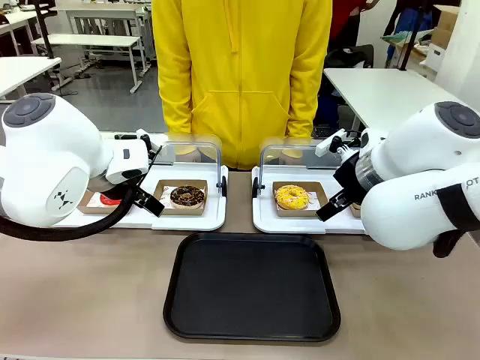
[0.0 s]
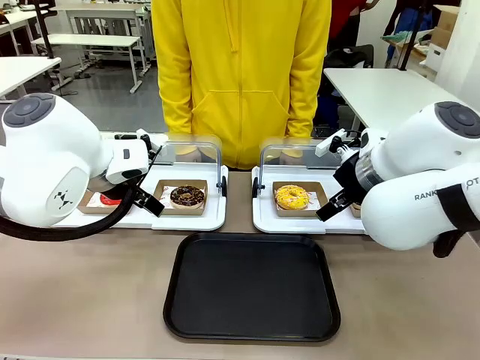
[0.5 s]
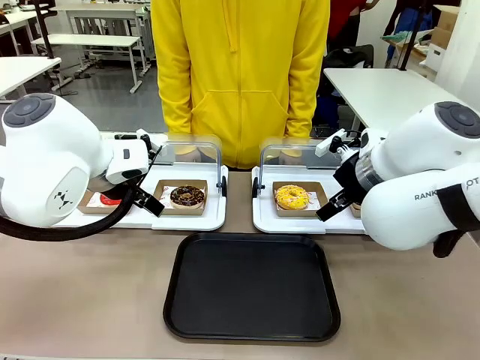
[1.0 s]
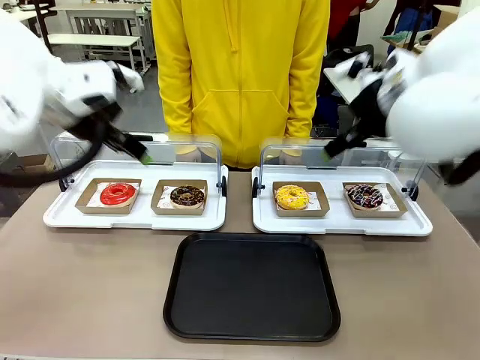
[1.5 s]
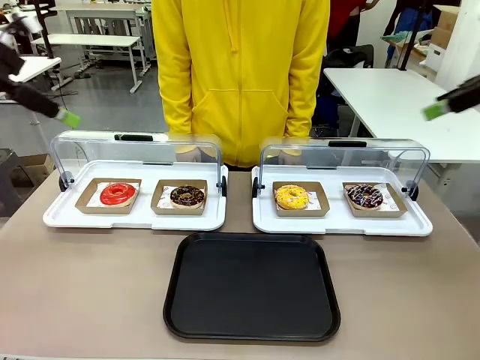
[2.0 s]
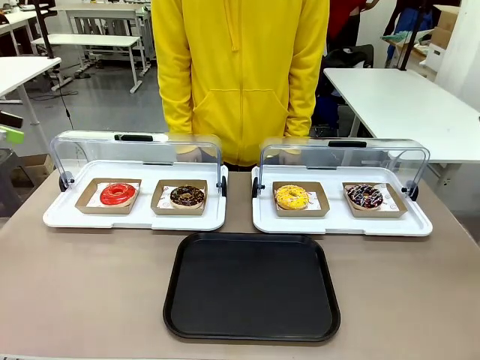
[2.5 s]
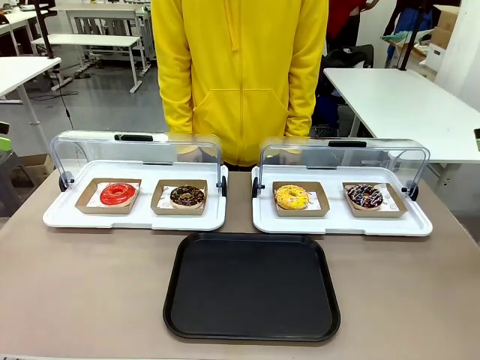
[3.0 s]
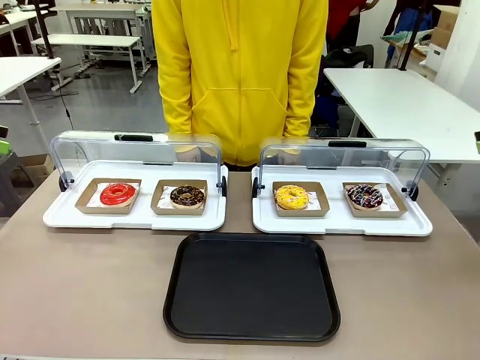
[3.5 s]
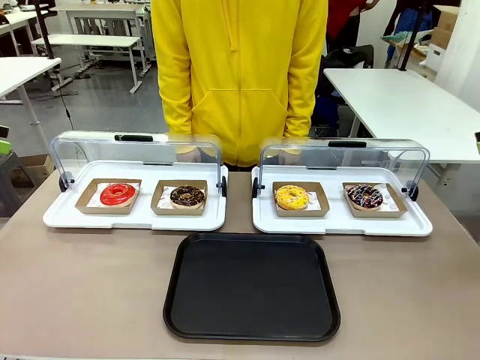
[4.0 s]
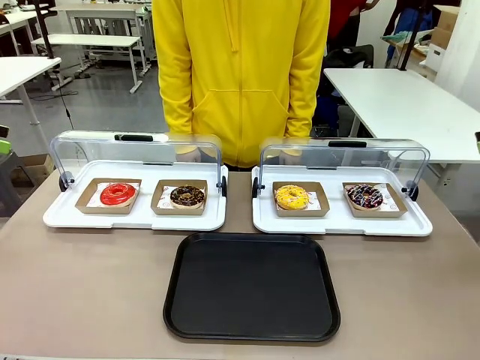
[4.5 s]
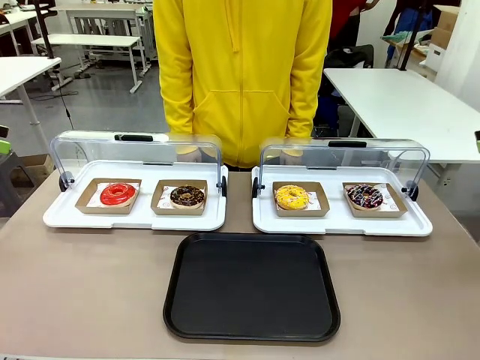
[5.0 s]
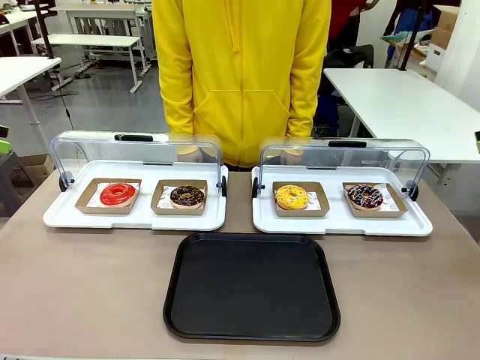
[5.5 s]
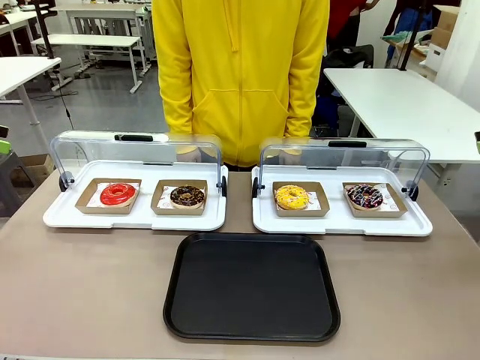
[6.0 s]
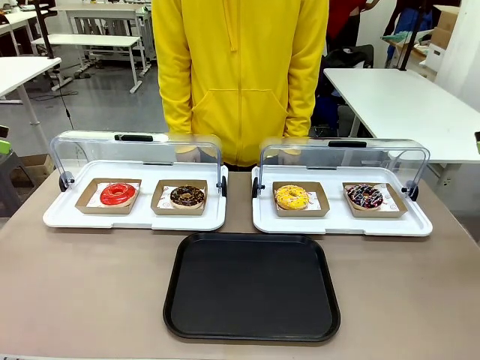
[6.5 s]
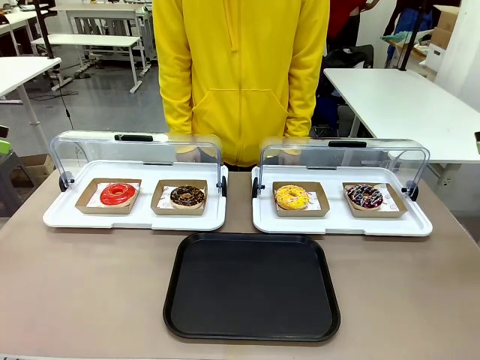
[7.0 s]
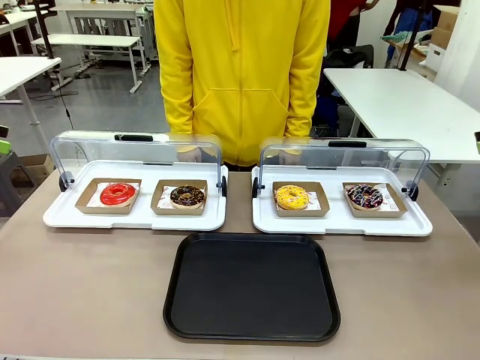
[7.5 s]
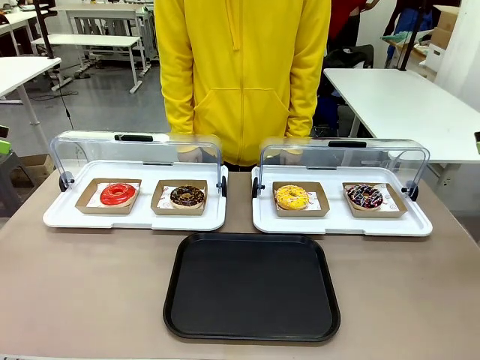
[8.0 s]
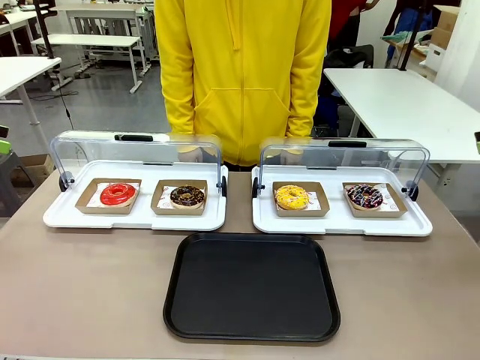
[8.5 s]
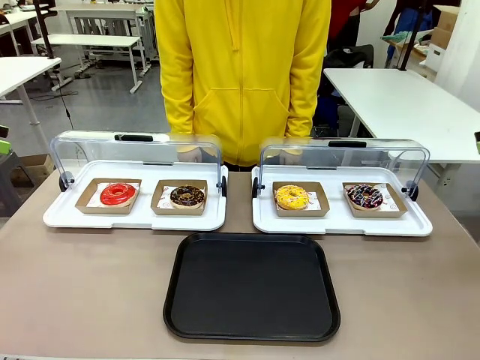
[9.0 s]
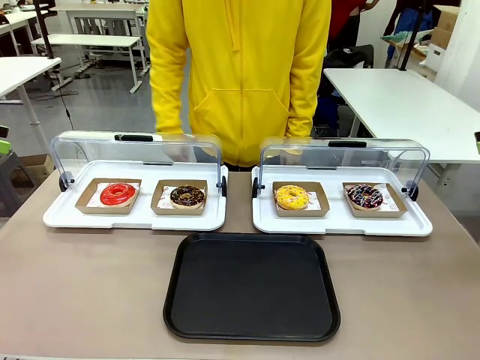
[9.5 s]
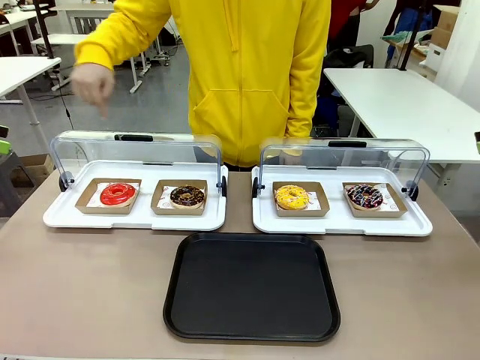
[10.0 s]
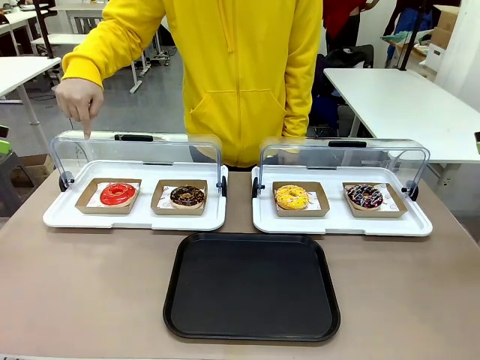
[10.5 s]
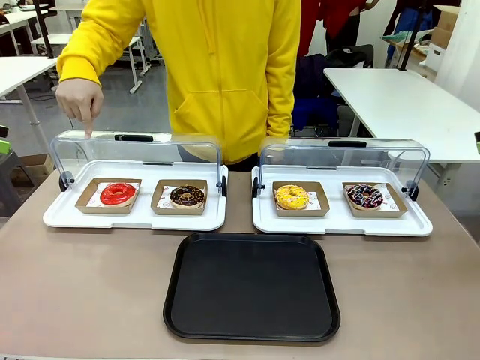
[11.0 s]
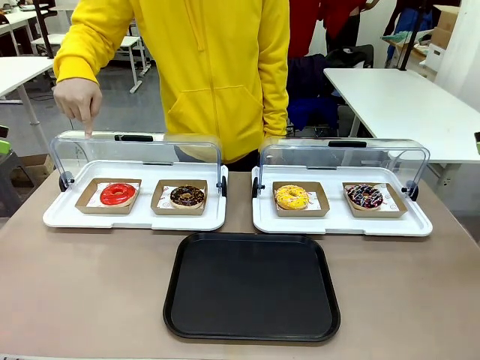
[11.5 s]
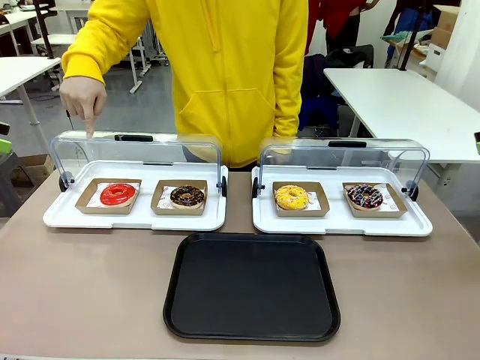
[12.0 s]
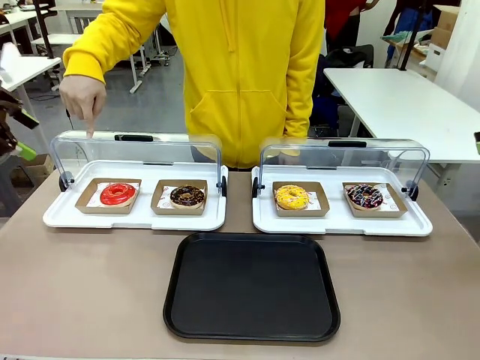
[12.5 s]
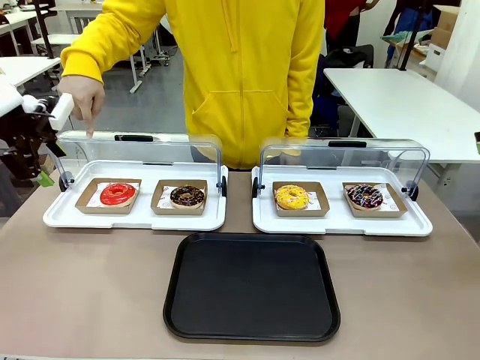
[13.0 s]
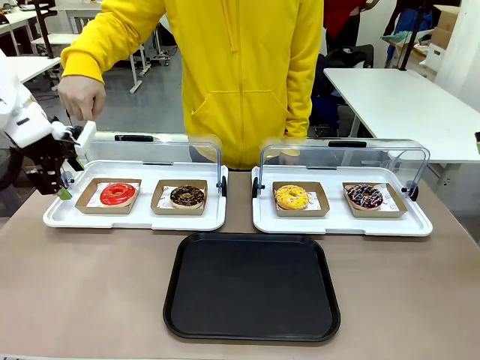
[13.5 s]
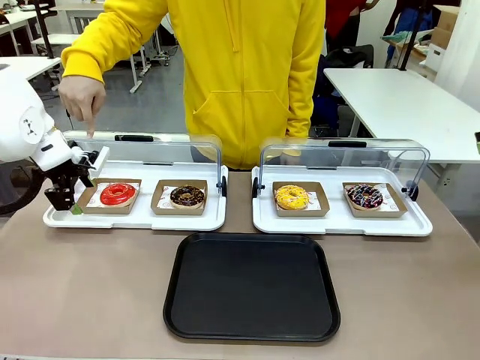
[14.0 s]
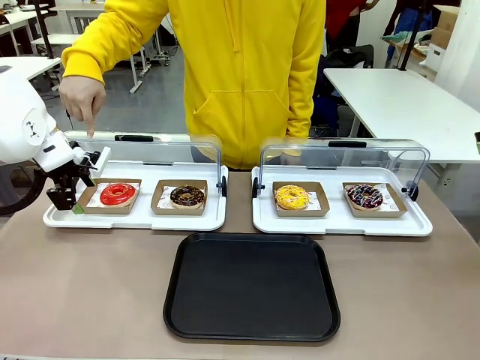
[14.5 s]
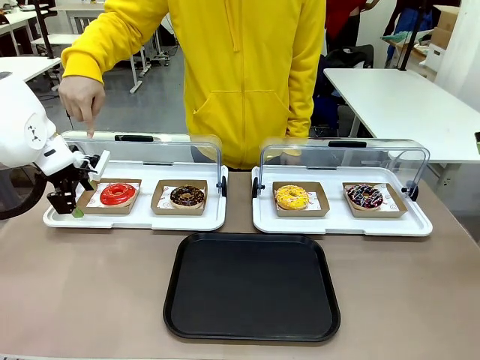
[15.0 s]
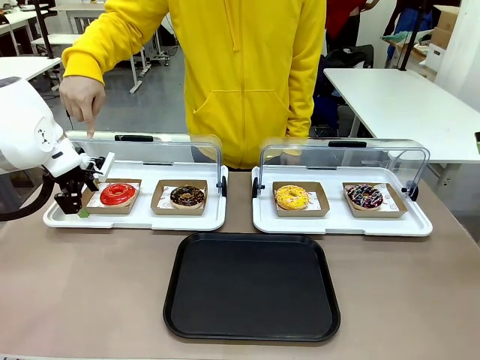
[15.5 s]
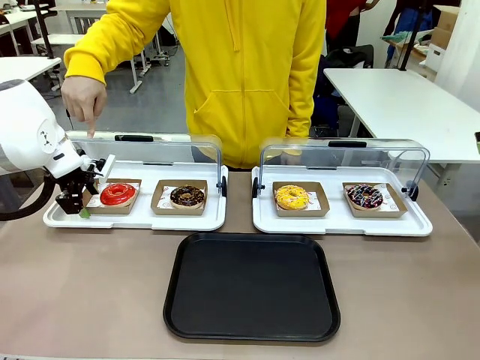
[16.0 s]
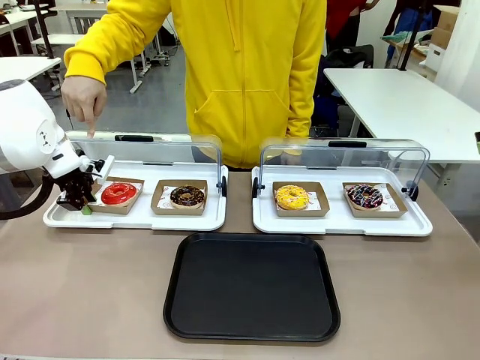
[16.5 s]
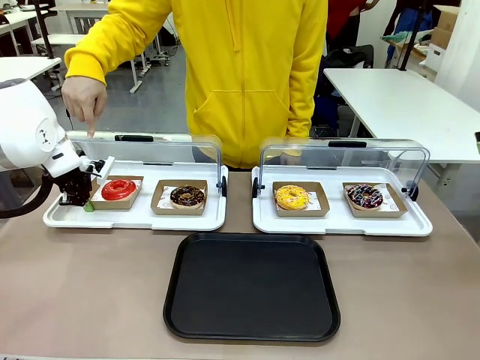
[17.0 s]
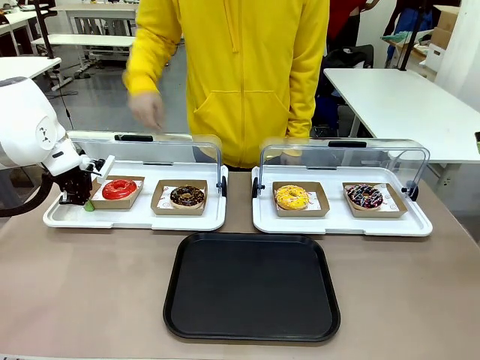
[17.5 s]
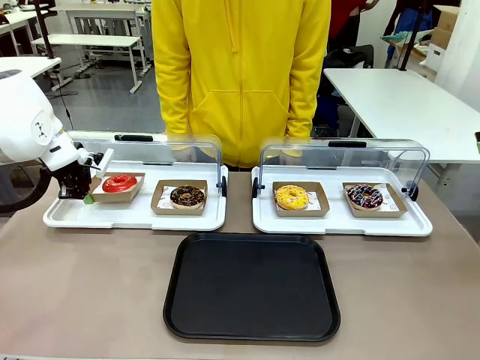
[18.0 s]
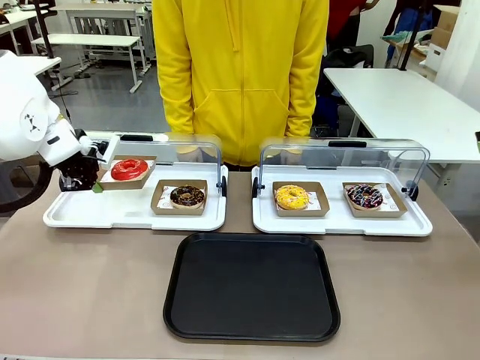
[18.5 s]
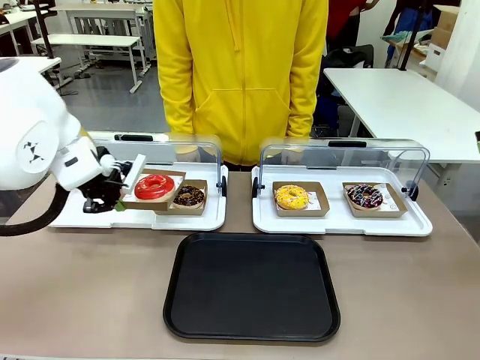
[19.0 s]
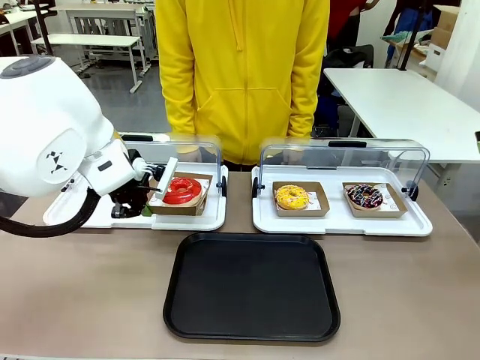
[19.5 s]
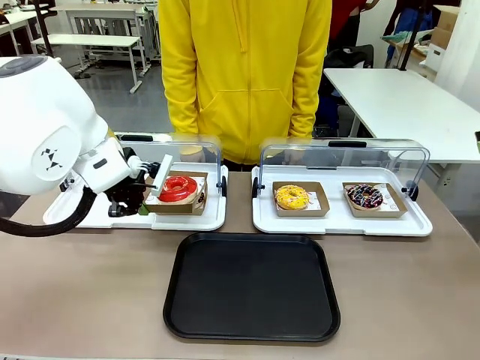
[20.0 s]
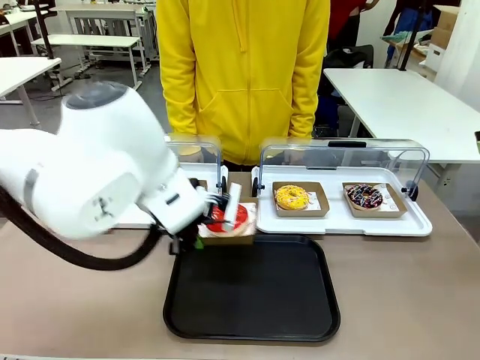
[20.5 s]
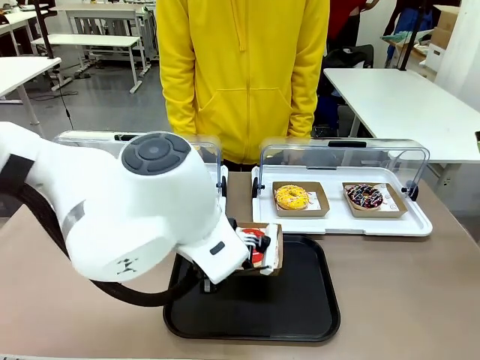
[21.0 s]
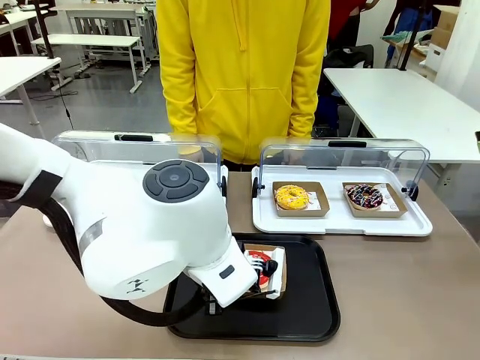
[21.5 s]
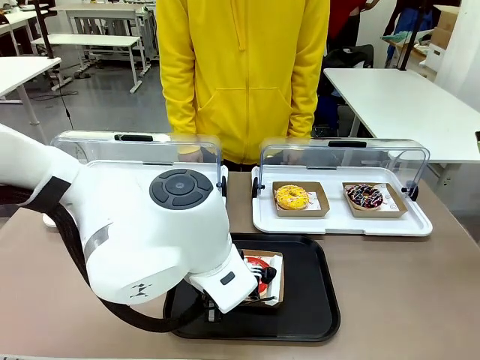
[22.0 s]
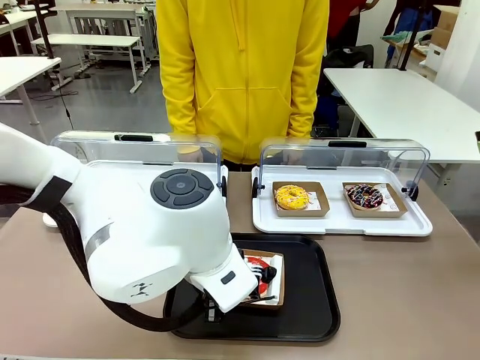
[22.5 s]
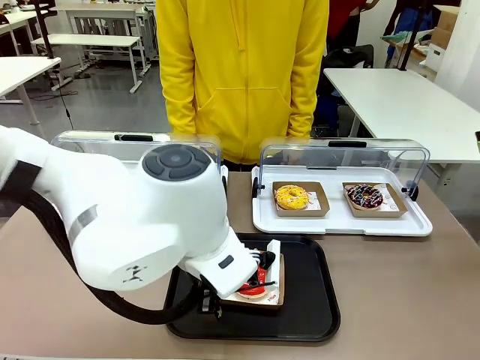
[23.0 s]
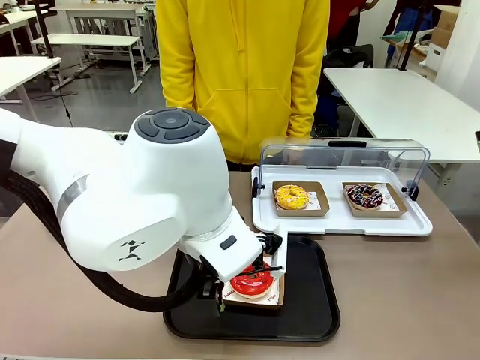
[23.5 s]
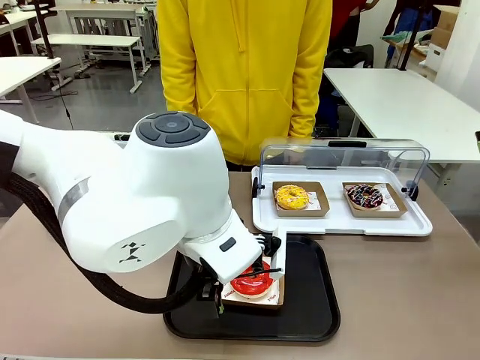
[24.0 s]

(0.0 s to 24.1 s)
Task: Move the first donut from the left to the tray.
Robot: Pick up the Paper togo box containing the Donut indicated by the person and place it on the Handle tray.
Person: Points to the first donut from the left from the robot’s perspective.
